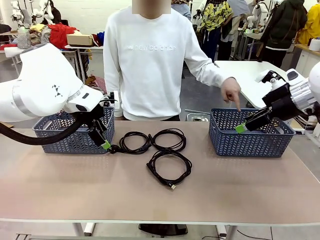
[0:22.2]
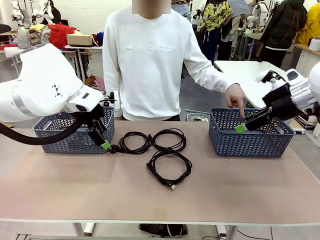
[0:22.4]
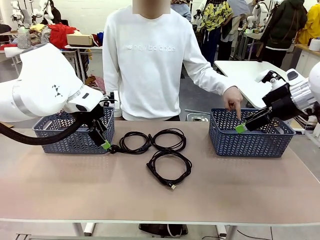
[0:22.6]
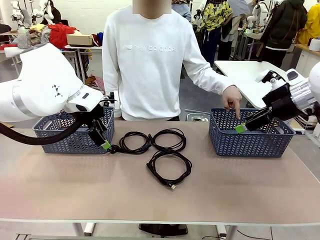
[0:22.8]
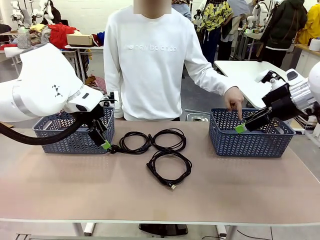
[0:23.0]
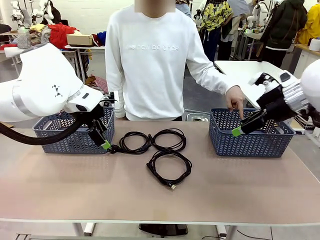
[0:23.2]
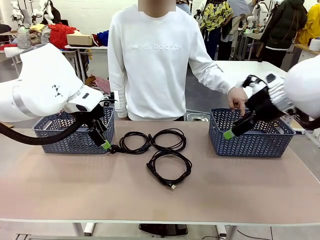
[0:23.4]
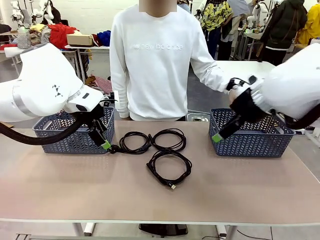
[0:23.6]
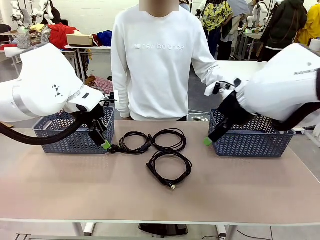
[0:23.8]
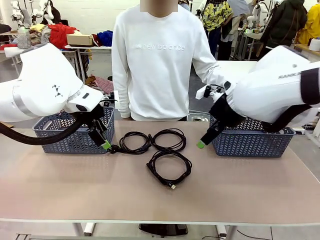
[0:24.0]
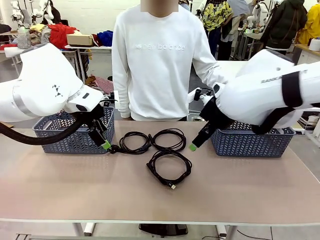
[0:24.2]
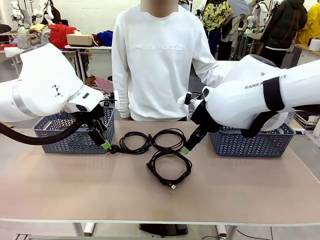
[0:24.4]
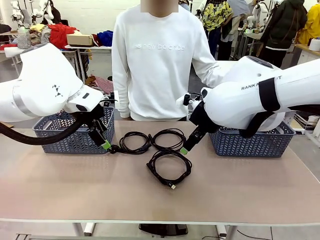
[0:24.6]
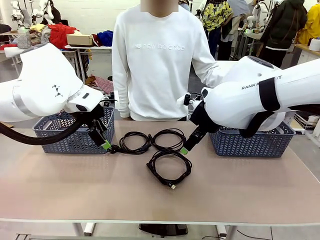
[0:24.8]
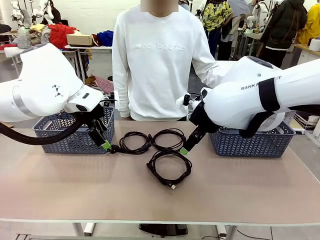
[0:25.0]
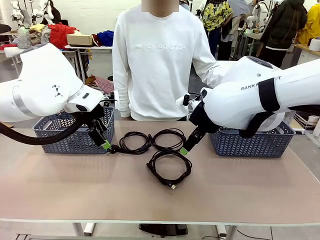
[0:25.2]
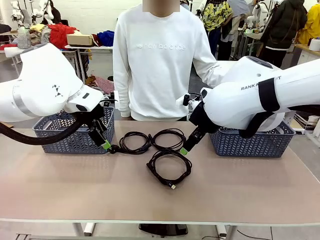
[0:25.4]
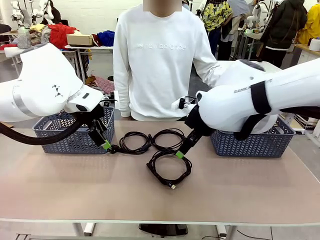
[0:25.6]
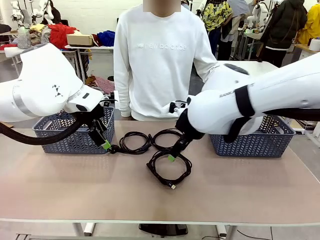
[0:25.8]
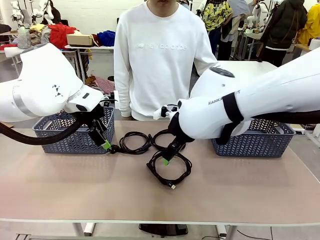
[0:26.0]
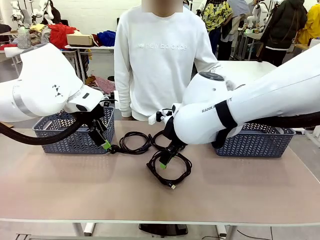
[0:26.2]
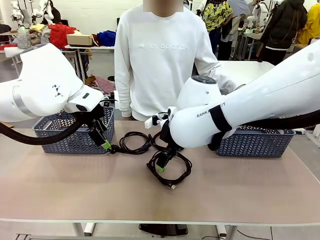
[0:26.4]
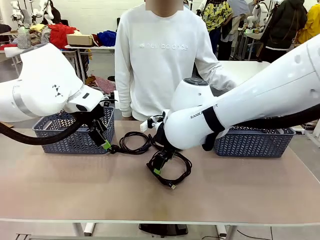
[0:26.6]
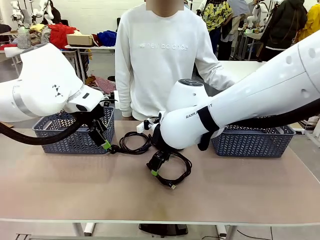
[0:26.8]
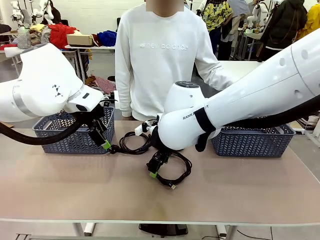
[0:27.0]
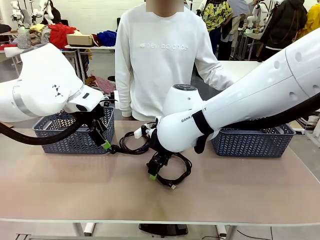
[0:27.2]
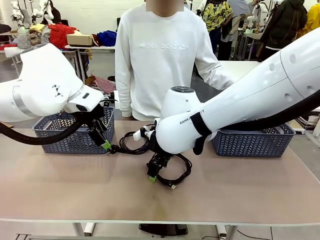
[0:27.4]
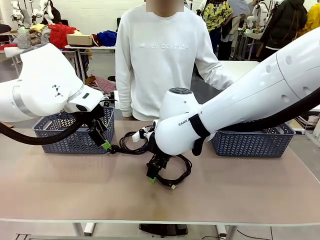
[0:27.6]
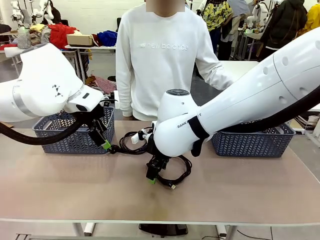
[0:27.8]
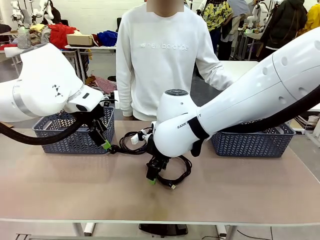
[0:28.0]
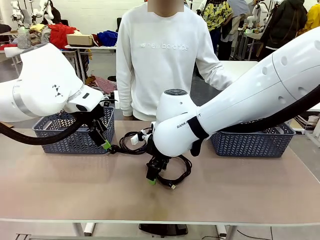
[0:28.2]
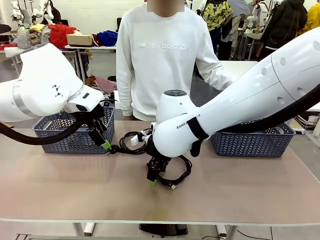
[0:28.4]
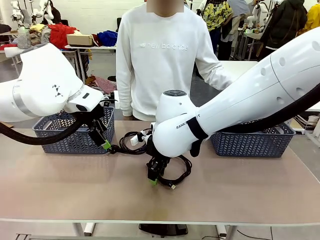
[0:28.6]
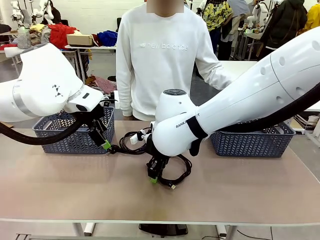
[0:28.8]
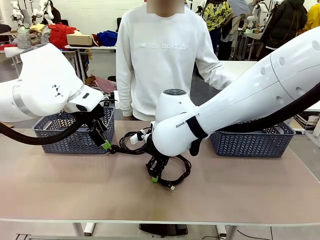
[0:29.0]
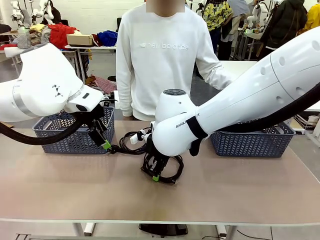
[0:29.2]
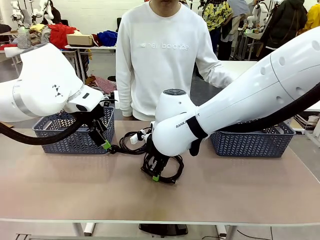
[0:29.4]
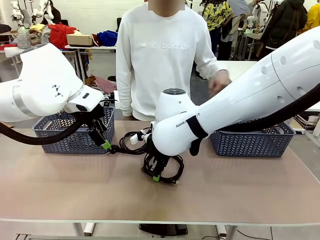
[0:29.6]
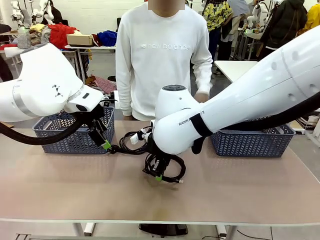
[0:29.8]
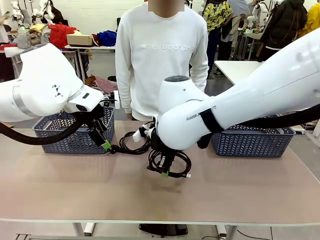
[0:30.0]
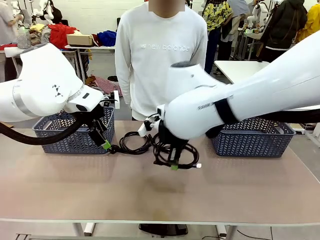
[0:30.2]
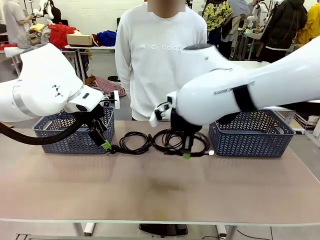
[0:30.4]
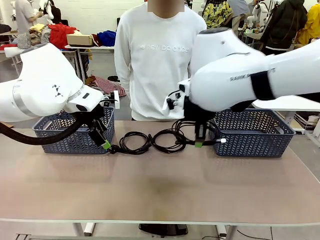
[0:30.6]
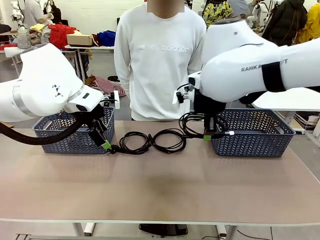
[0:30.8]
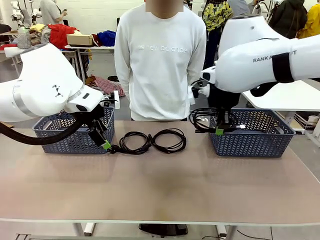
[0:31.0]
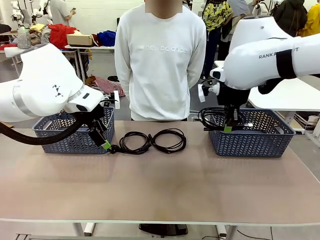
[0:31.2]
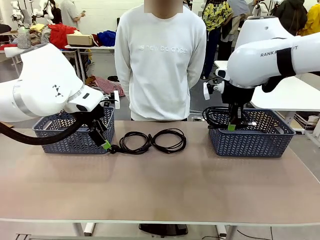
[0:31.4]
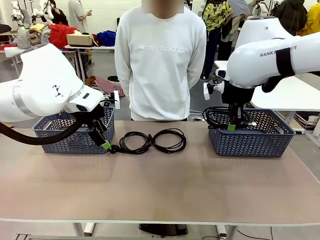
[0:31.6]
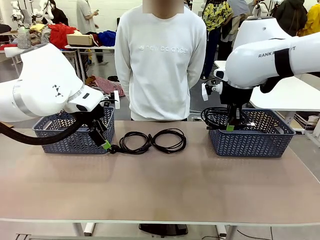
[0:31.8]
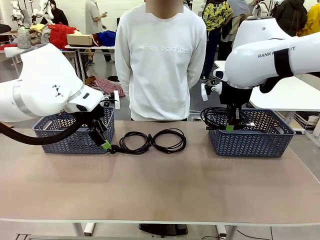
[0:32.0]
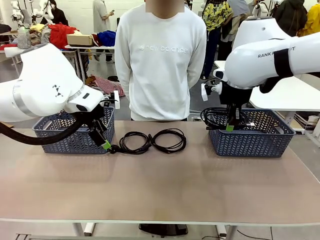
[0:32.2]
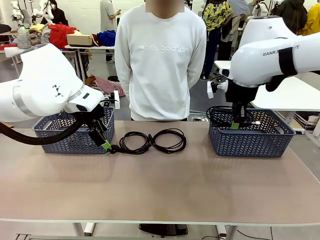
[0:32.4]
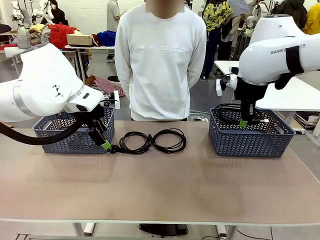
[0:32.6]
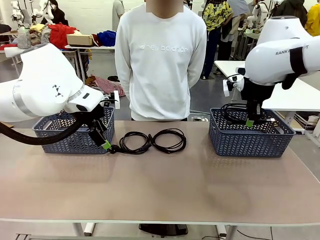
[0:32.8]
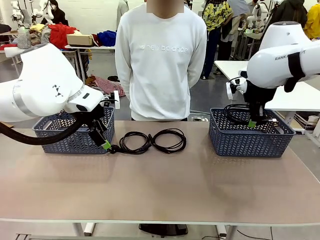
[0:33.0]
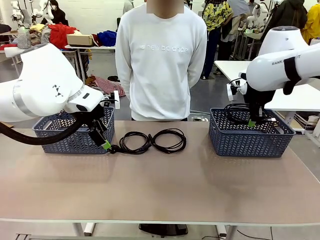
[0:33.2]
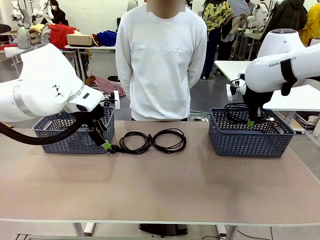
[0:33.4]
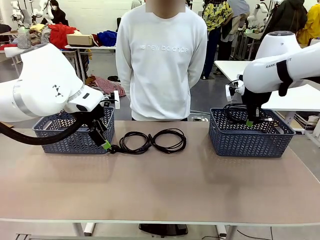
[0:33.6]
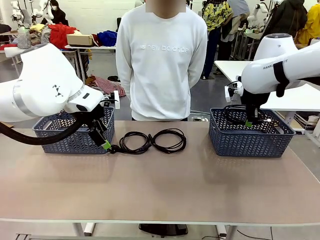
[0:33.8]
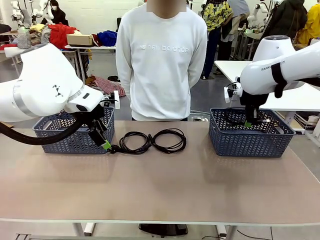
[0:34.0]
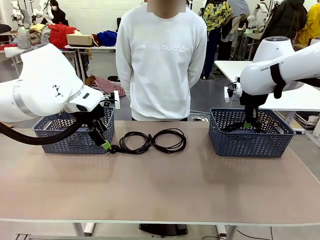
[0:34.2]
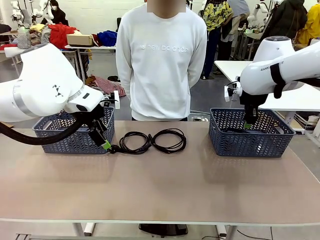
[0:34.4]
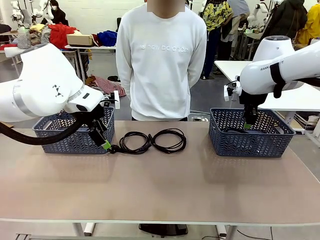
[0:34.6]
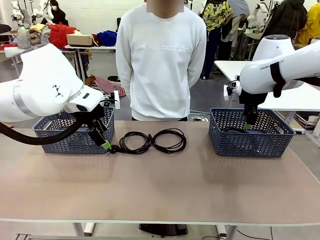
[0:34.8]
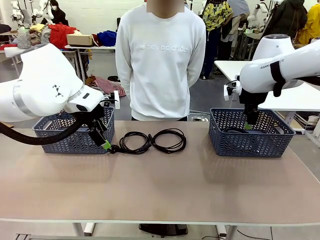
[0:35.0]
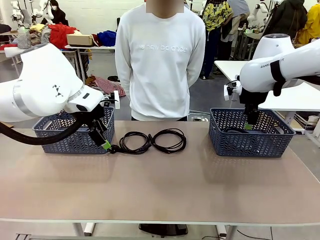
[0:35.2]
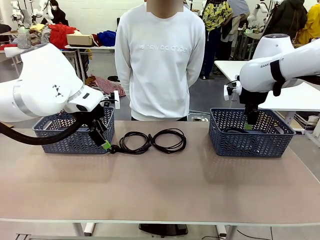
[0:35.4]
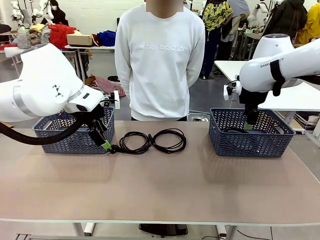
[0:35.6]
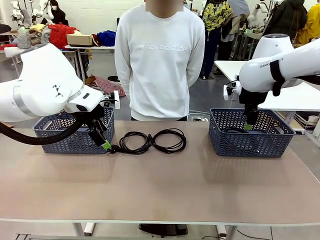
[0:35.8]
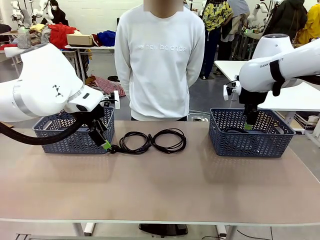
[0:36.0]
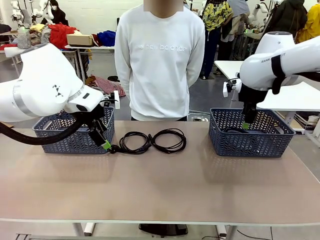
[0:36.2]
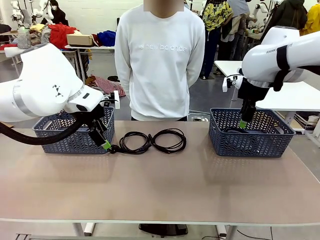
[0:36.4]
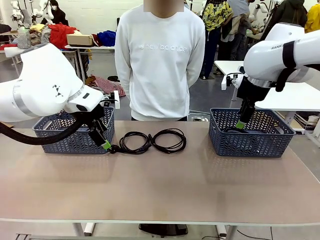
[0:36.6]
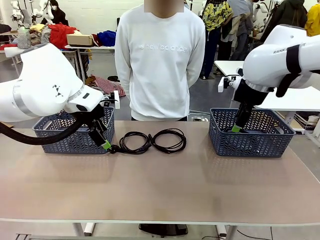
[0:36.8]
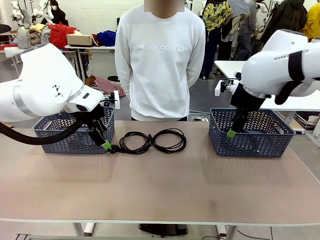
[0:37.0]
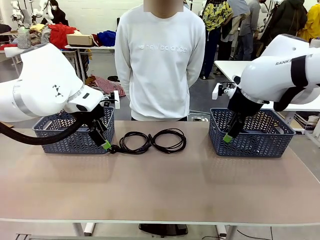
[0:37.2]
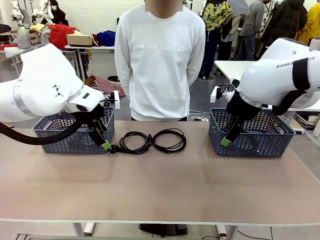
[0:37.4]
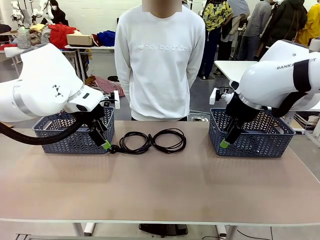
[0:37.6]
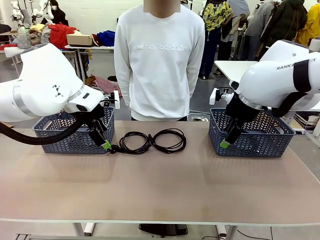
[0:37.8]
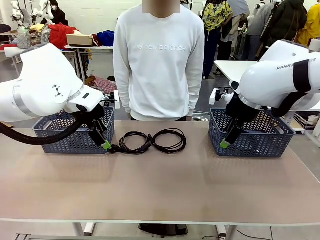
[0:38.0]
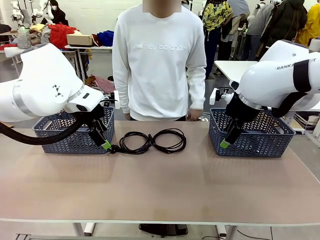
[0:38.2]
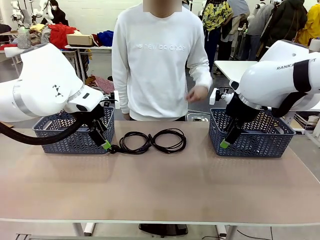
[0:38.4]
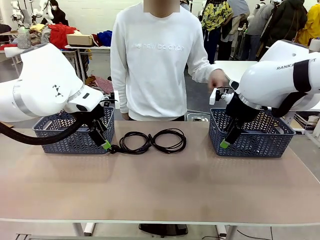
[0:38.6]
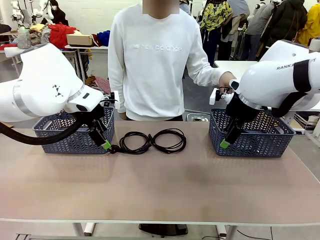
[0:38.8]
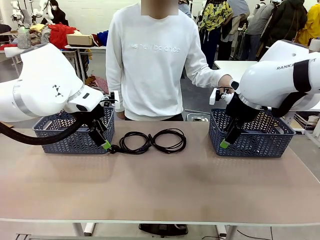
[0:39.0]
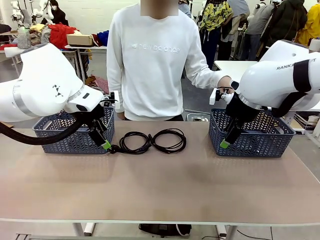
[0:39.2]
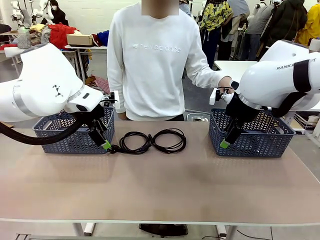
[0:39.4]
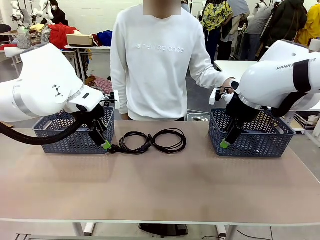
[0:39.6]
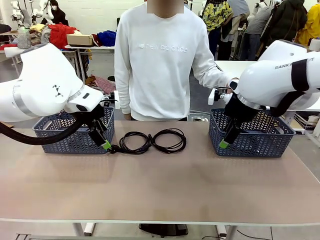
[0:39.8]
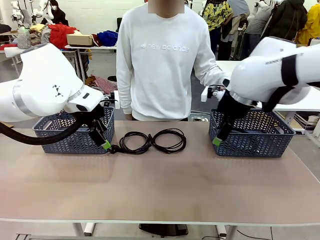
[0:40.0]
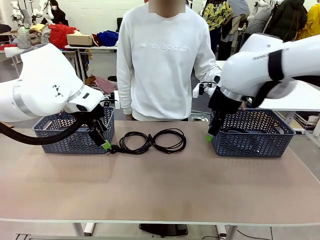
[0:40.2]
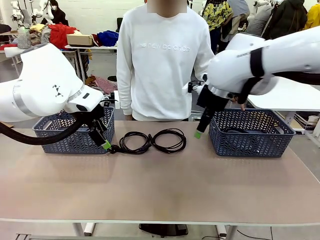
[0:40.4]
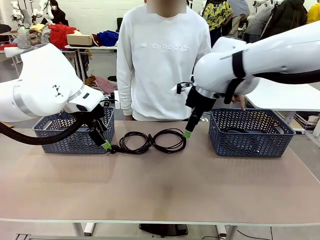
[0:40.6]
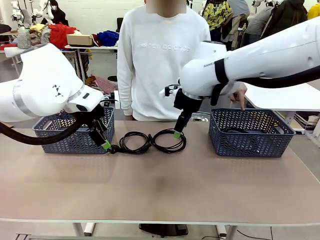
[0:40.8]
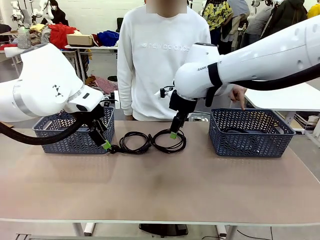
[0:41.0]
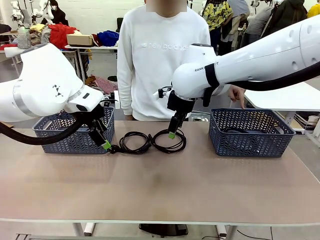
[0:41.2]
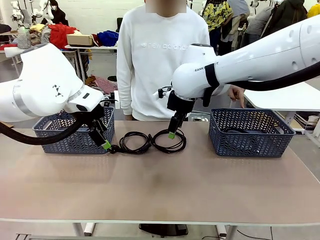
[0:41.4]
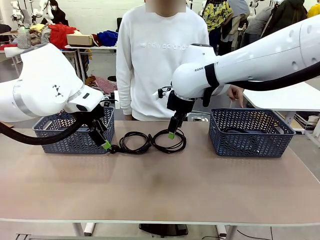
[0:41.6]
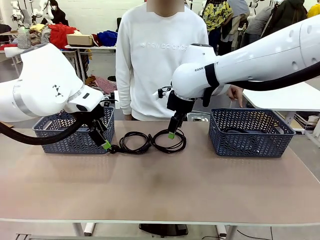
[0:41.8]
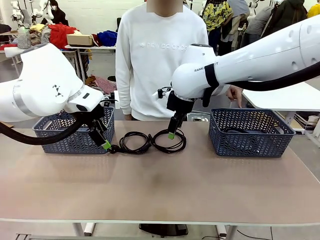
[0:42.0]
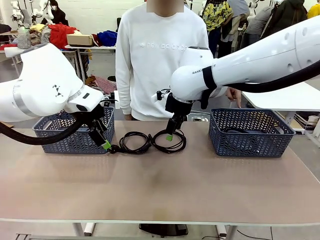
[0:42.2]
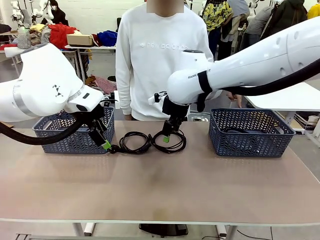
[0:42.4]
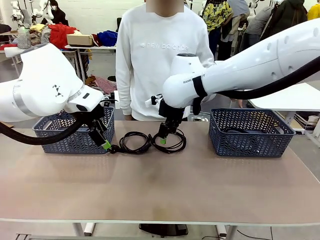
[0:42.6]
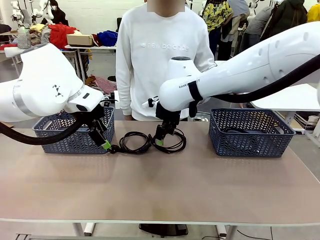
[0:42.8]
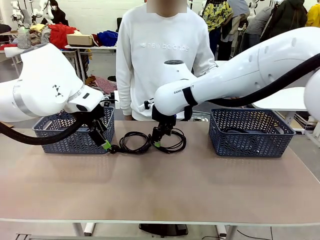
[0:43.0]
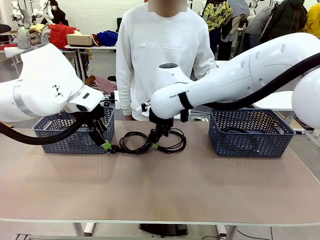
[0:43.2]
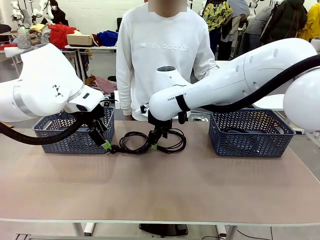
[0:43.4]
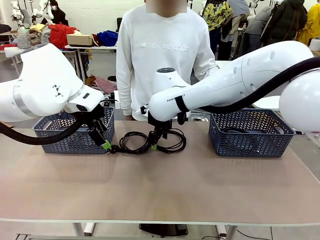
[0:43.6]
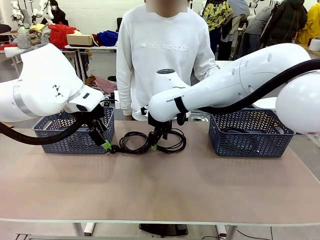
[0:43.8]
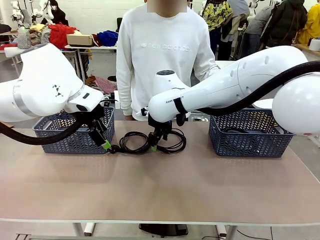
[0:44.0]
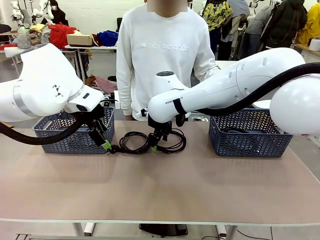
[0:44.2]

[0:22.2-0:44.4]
Task: Organize the cables according to human instructions.
Robot: Pick up a bundle of cables and place it in the basket indicated by the human.
